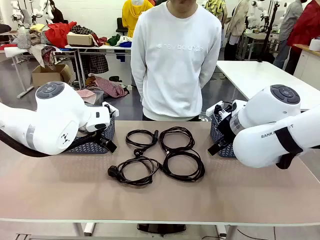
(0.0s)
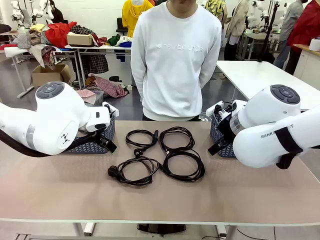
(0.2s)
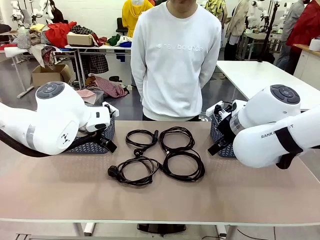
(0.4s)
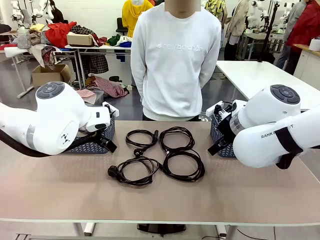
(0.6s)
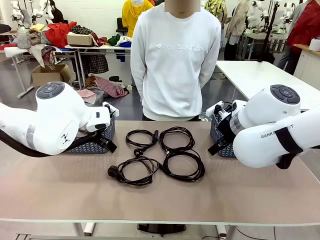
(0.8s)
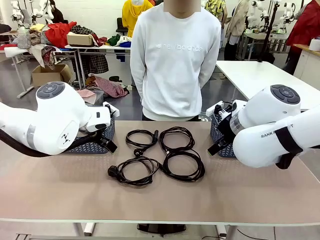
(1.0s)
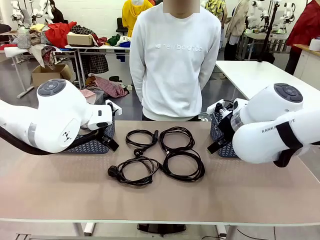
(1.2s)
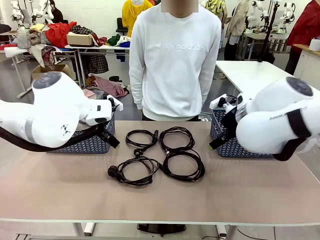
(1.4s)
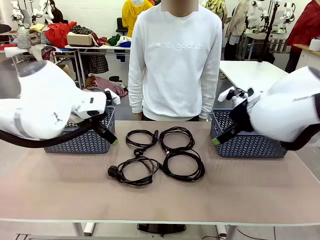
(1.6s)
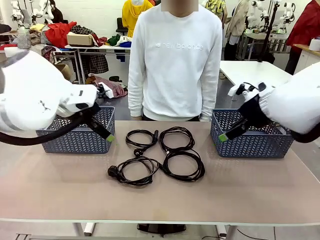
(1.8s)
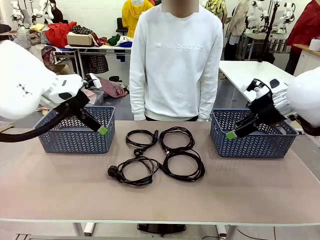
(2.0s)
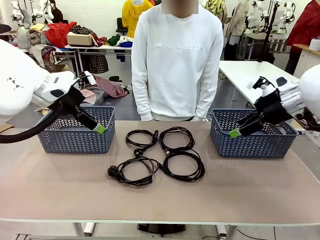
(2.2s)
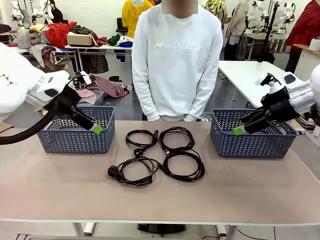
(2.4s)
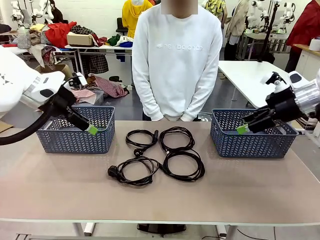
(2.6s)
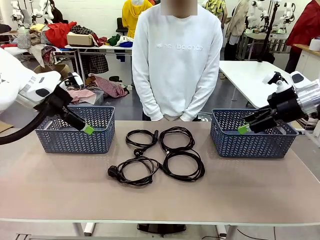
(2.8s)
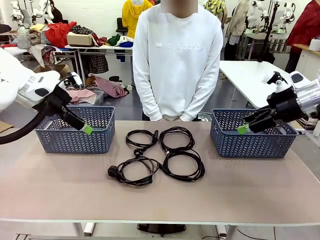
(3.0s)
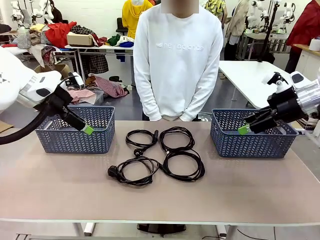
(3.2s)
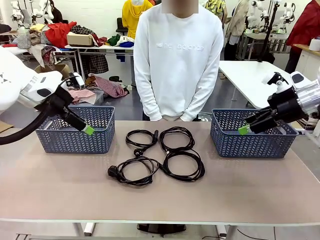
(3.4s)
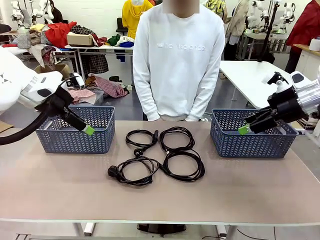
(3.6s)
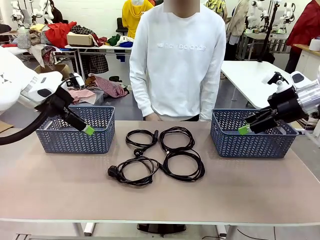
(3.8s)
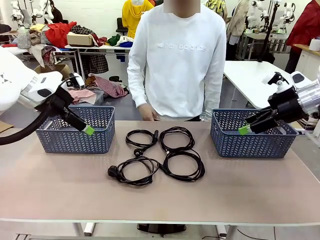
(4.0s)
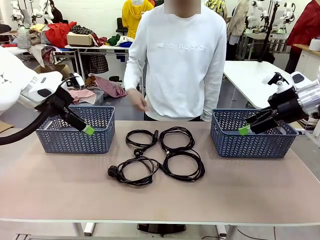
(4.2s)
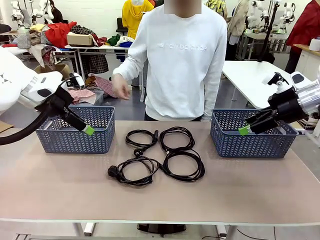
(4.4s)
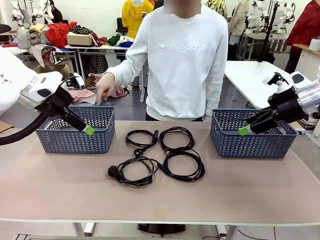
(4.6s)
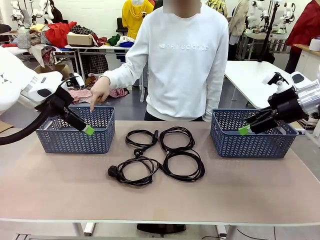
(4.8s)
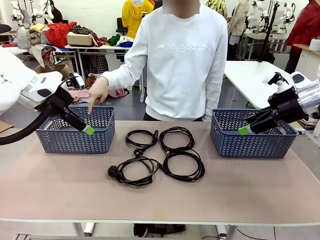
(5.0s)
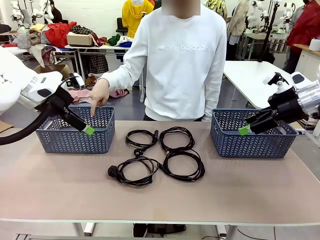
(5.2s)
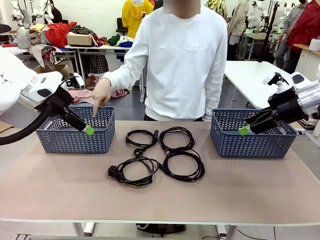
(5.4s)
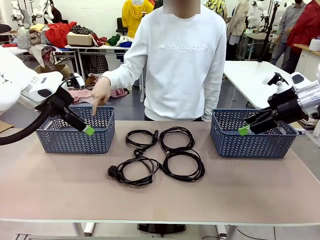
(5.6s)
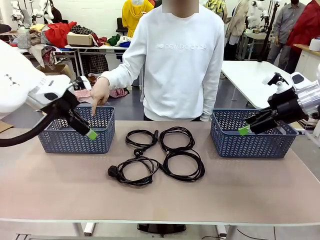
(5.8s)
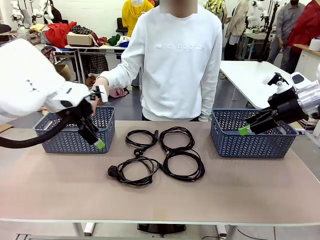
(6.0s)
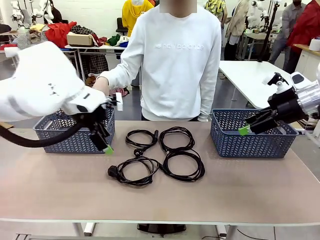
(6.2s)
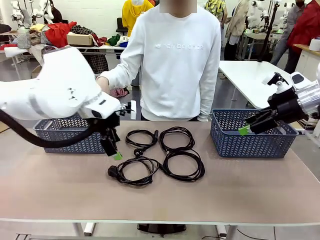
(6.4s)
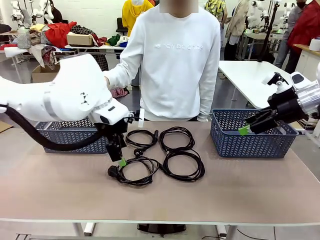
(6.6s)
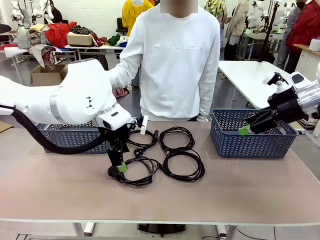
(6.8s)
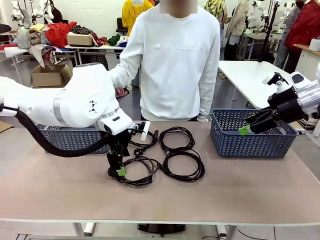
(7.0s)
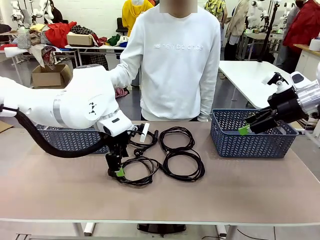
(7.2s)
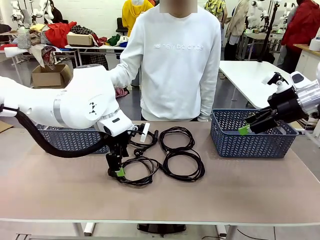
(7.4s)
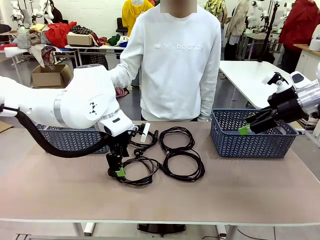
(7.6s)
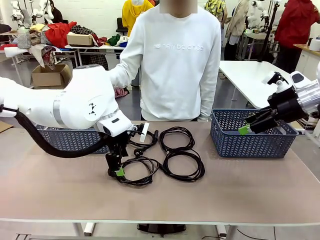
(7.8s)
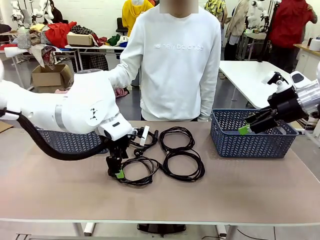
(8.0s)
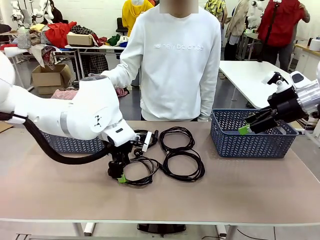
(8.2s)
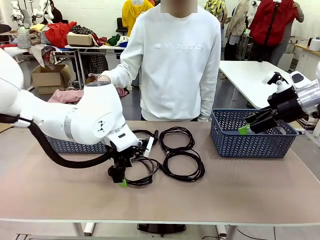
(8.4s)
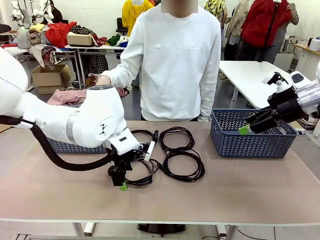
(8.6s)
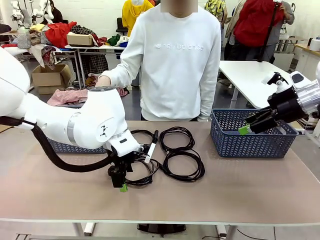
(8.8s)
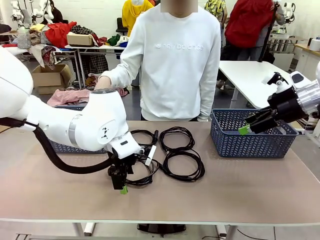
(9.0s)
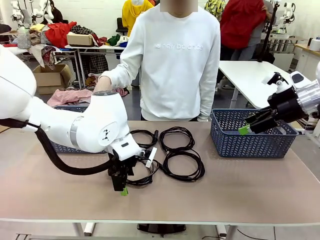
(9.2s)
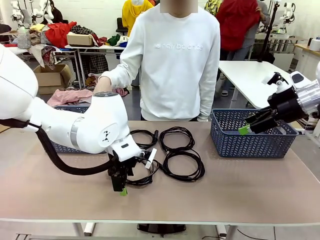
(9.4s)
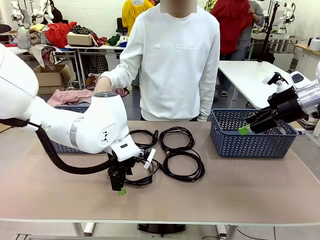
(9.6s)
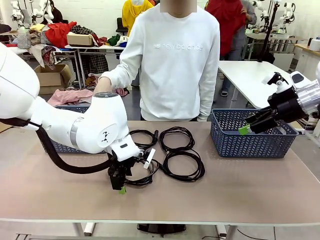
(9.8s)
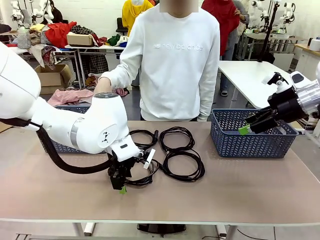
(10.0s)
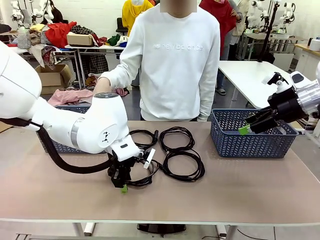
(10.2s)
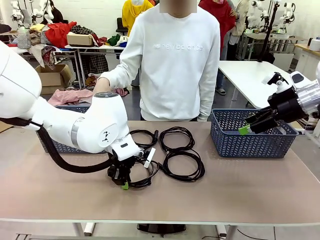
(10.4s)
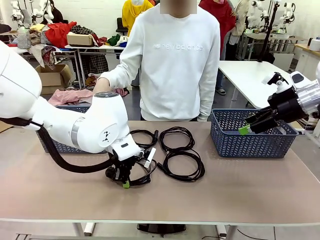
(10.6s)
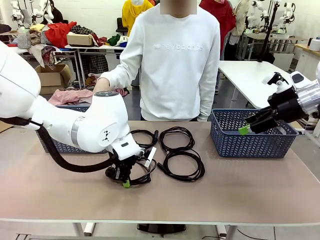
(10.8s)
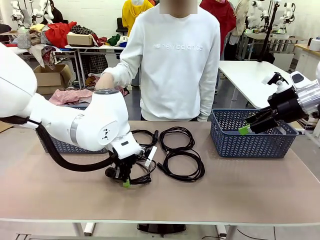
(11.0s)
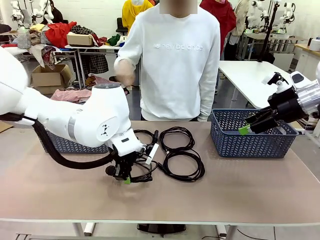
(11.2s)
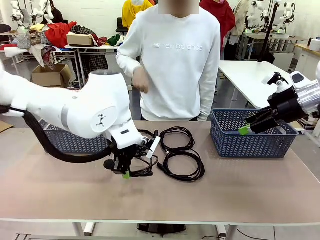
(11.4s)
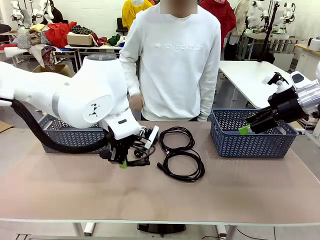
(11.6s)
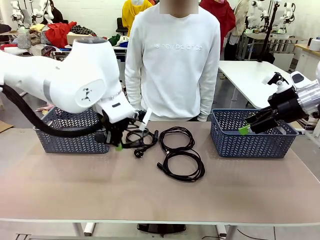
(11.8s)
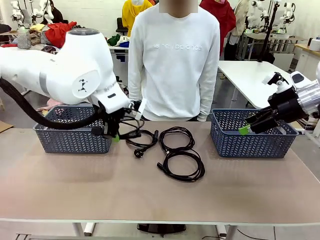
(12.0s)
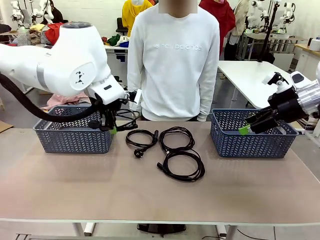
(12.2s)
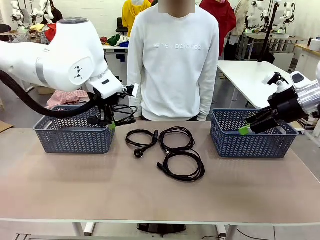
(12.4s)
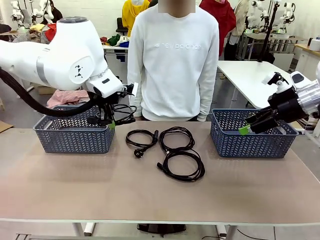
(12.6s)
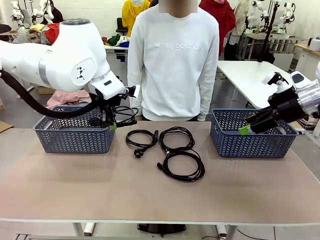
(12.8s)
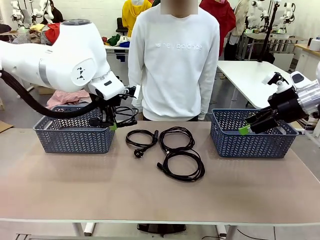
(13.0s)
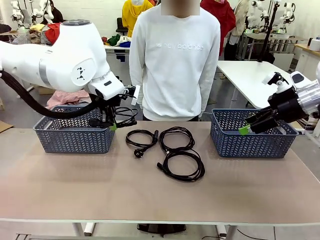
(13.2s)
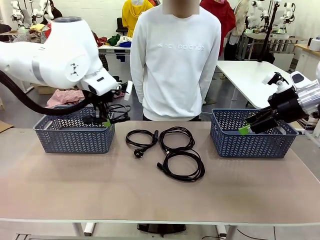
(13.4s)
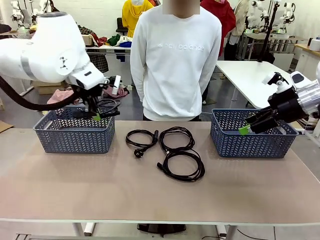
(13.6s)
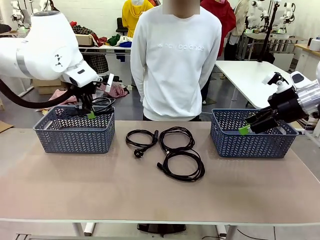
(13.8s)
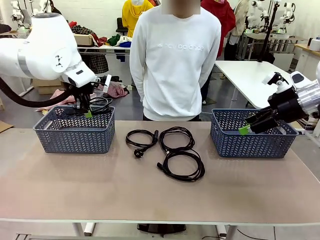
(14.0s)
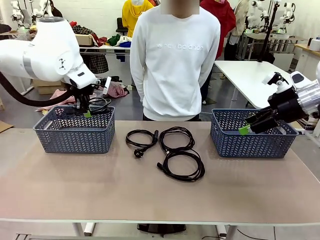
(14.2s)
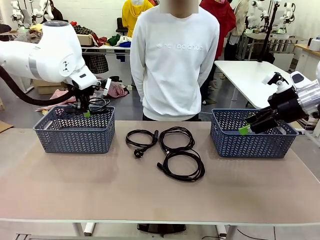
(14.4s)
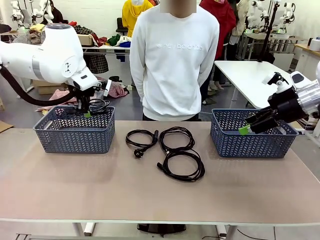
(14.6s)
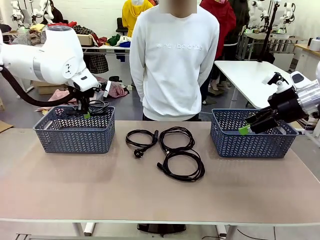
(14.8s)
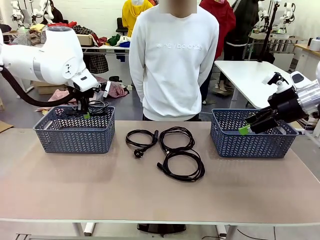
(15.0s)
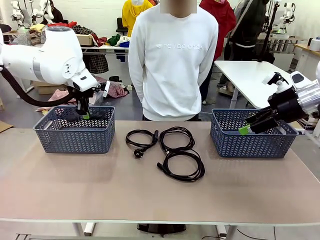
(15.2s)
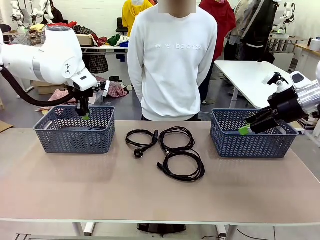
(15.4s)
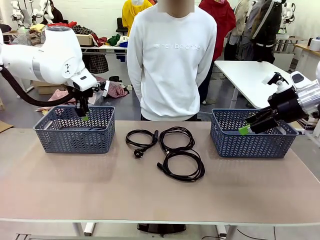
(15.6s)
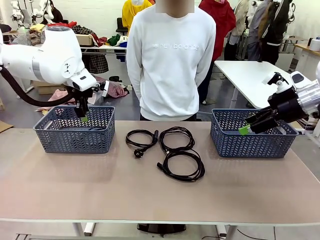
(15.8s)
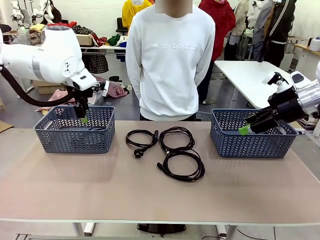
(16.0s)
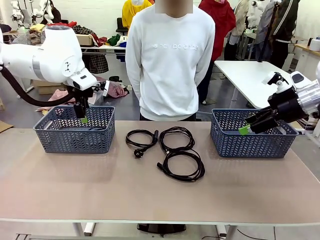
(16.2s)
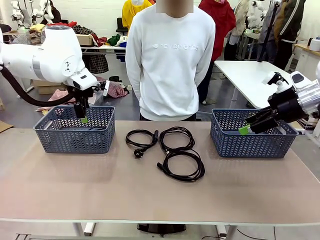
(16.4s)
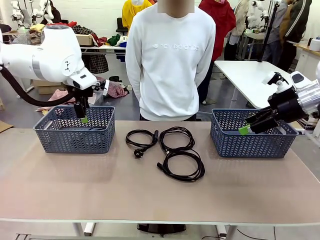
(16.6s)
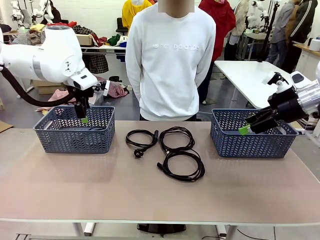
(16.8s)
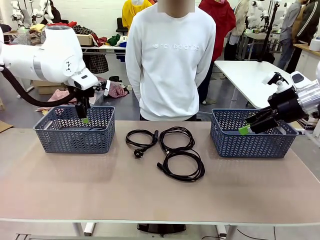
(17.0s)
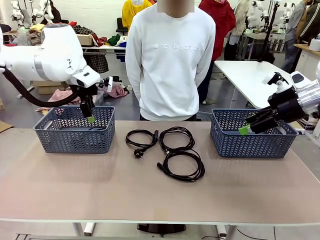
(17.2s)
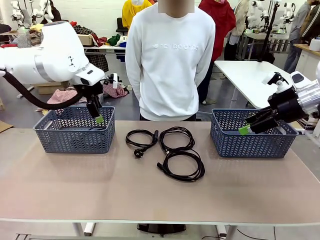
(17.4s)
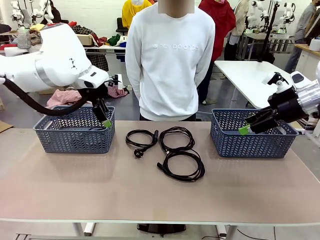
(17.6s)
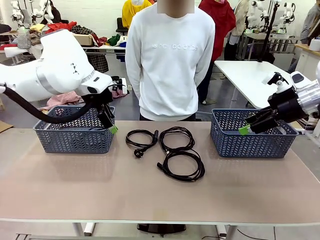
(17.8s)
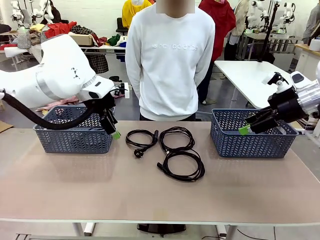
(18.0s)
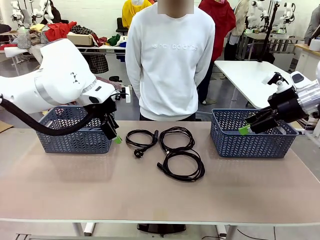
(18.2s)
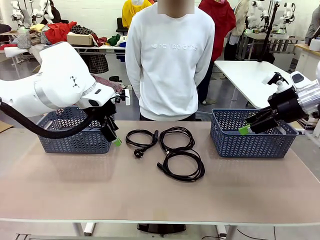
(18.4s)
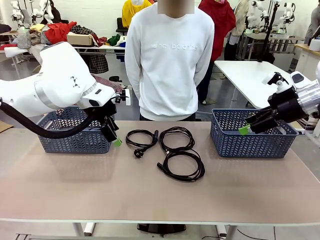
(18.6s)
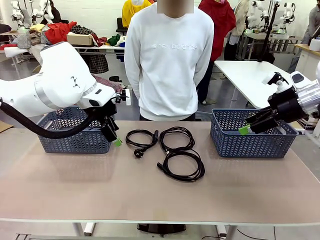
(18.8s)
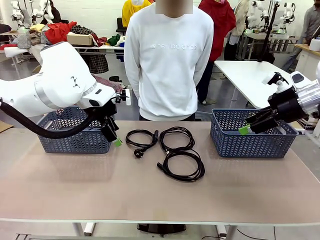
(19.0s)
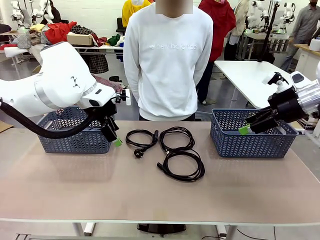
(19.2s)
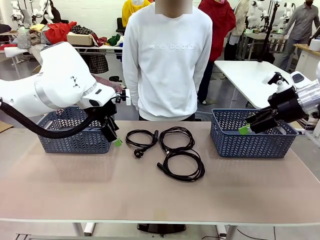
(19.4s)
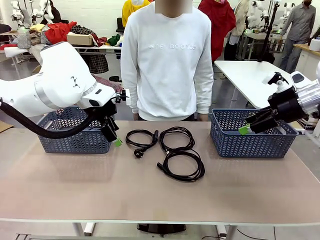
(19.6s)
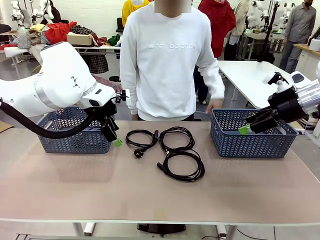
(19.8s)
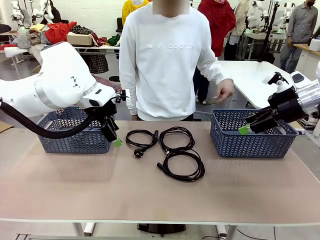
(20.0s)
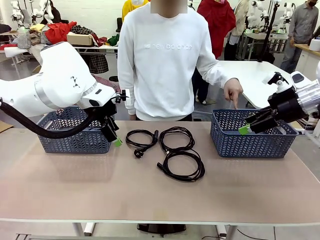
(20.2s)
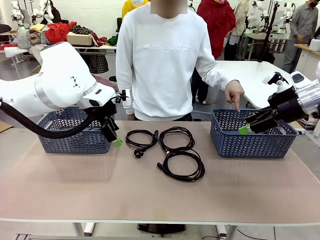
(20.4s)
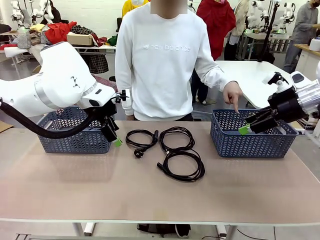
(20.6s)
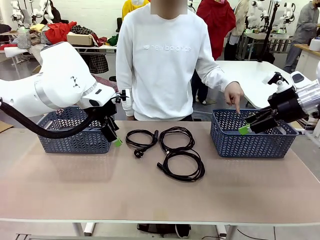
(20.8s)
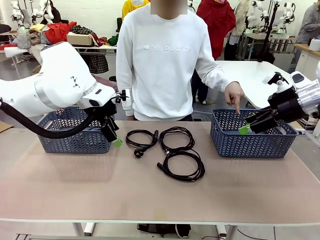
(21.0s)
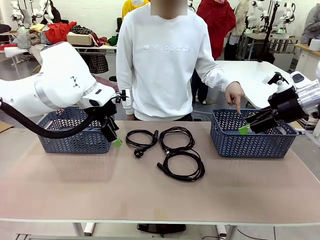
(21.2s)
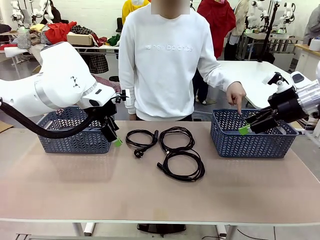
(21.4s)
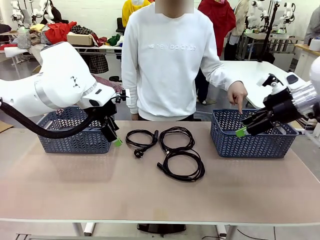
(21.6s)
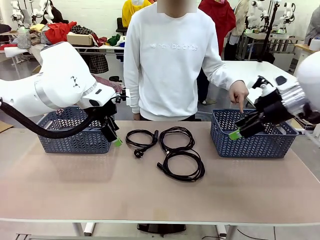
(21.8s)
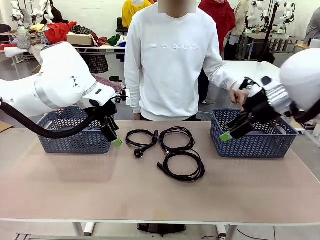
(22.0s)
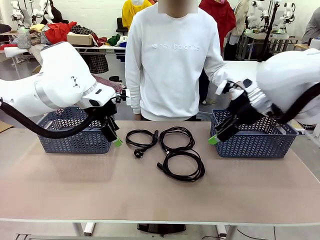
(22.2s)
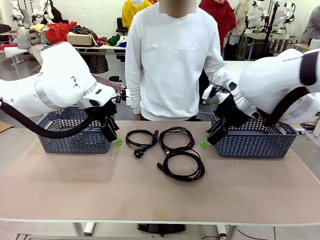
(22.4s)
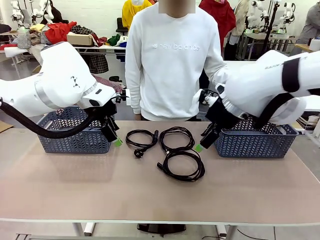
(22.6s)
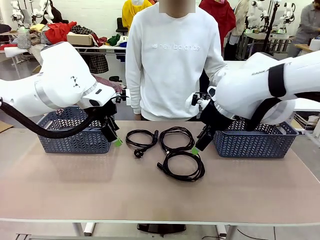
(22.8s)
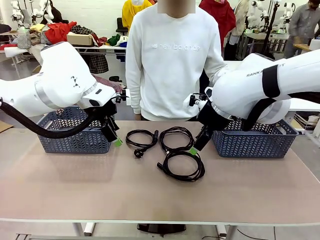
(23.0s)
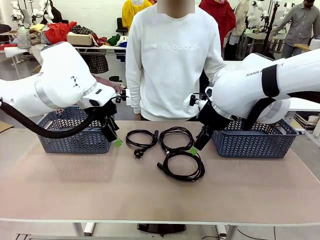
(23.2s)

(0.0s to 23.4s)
Task: Organize the cables according to human instructions.
Robot: Pick up a bundle of cables and place it in the basket indicated by the human.
